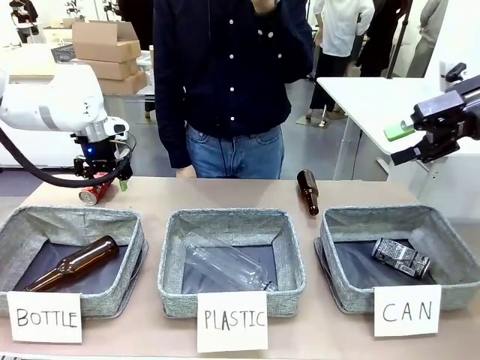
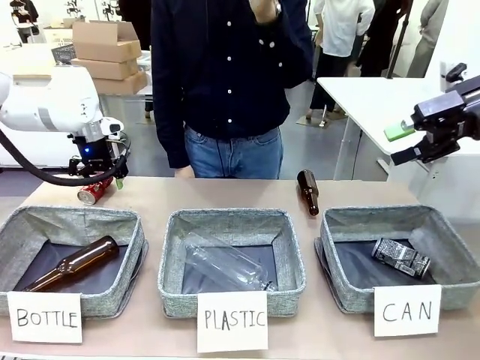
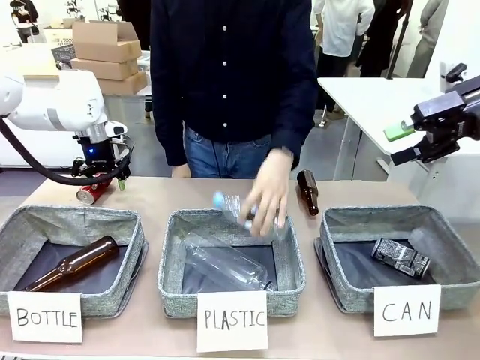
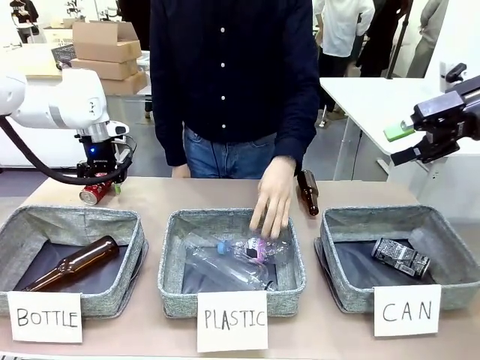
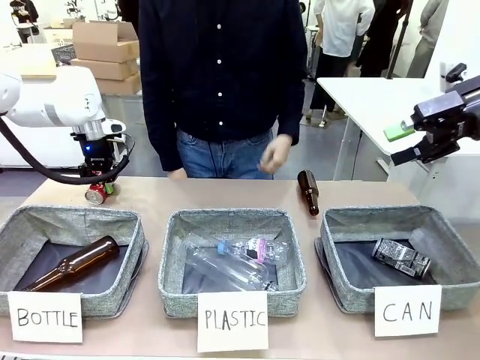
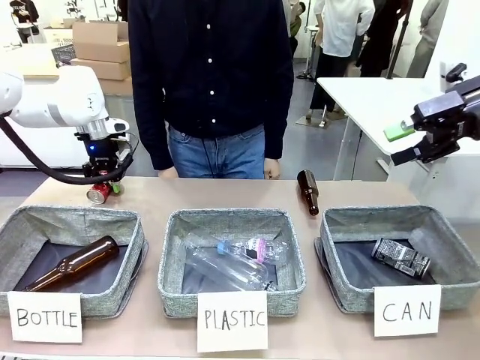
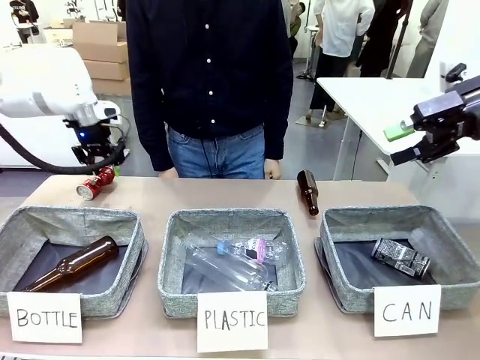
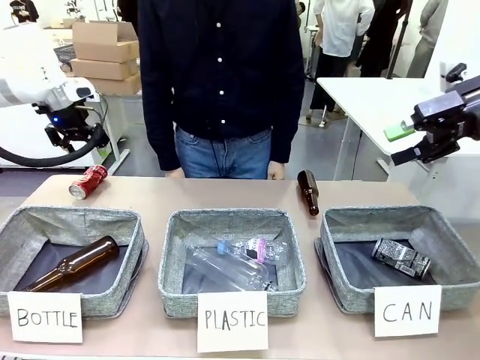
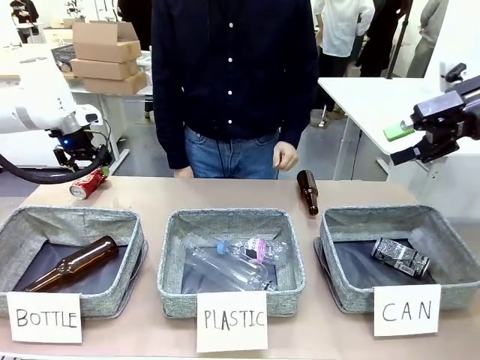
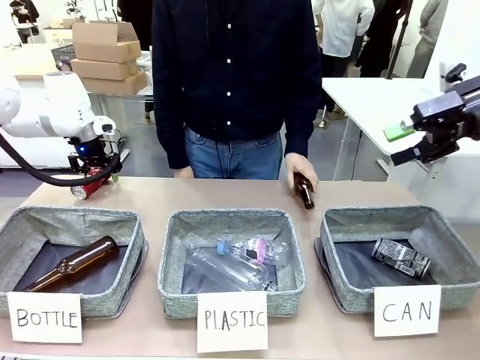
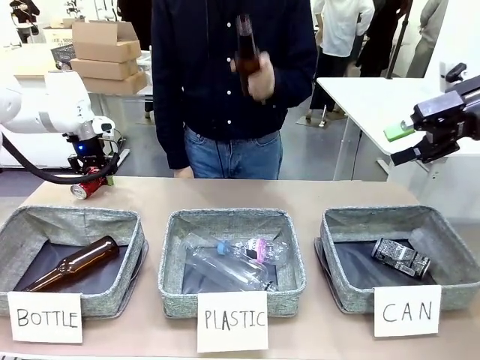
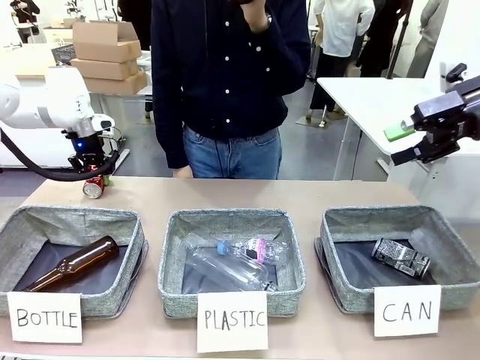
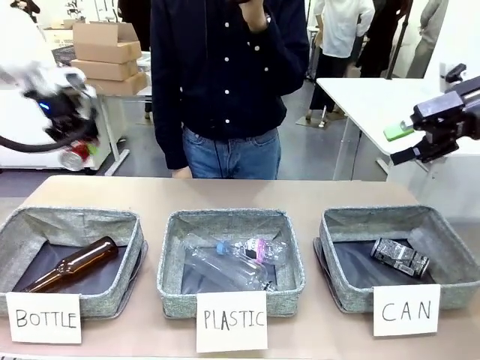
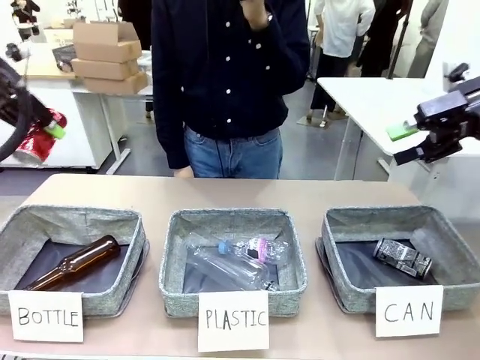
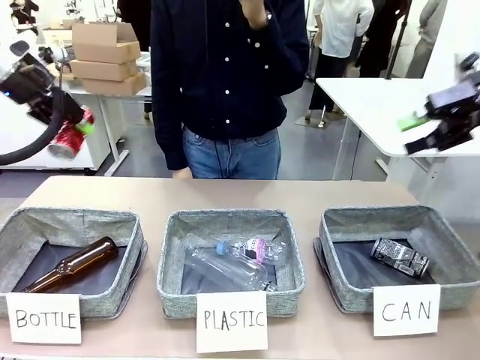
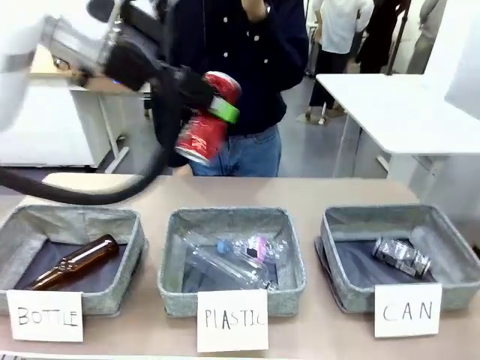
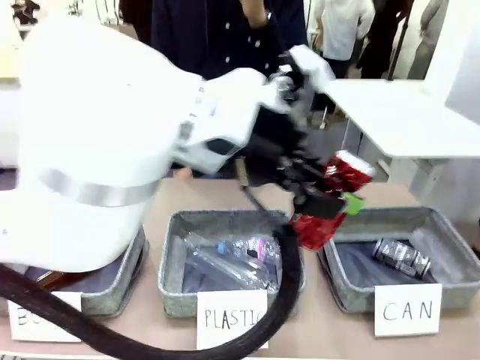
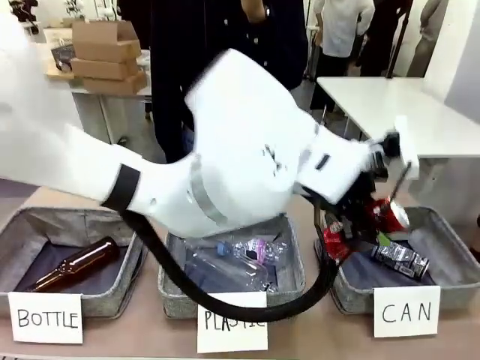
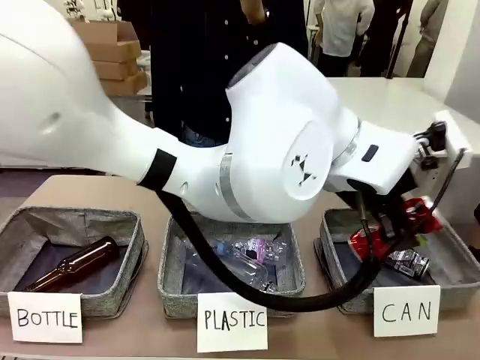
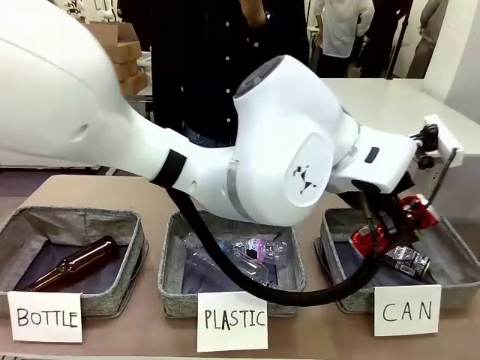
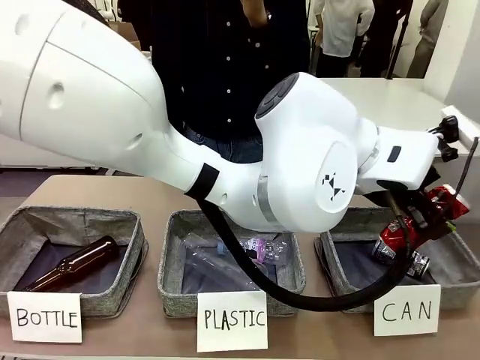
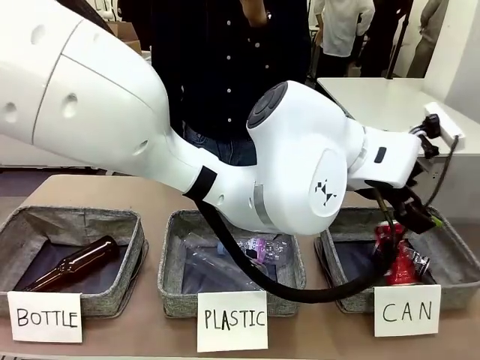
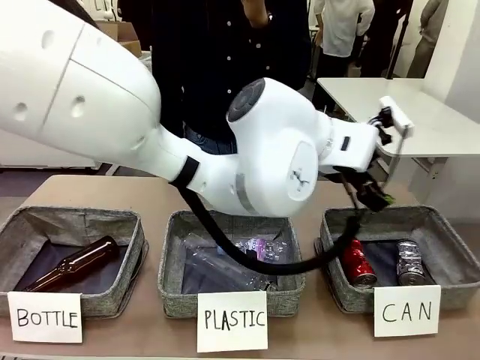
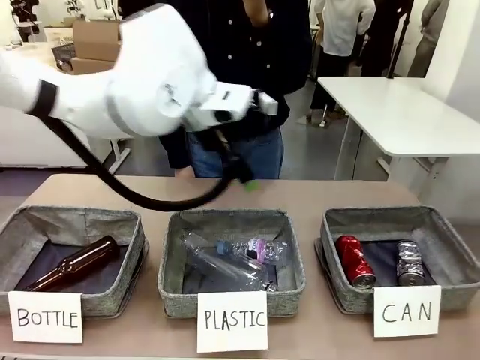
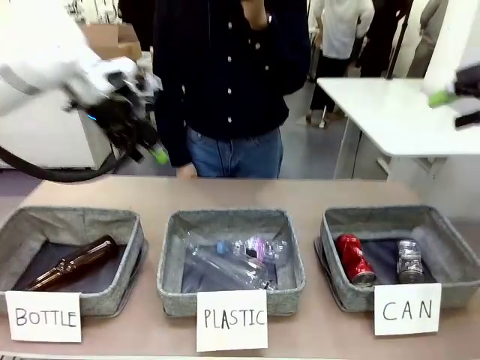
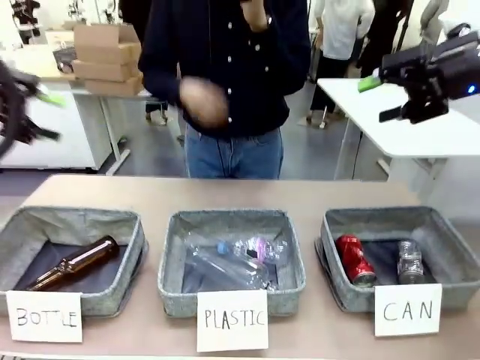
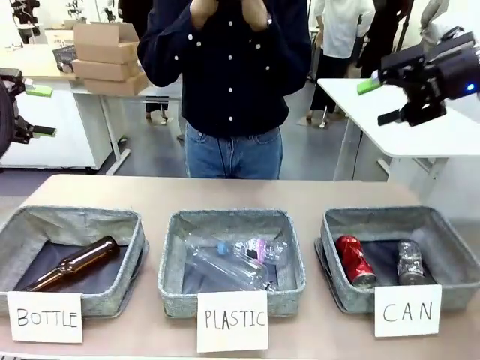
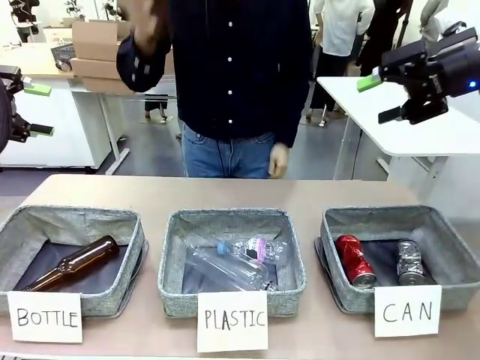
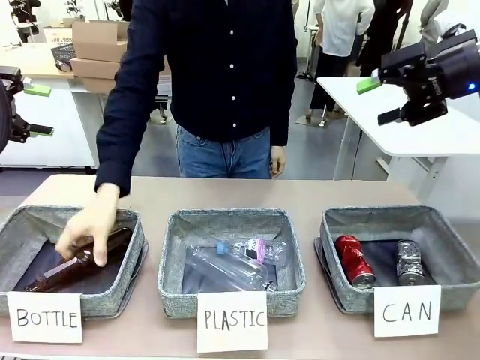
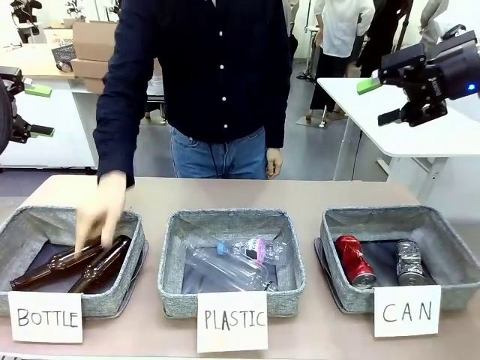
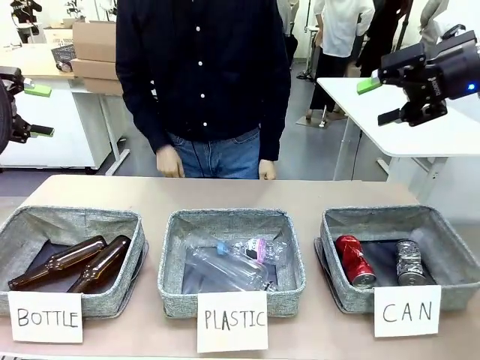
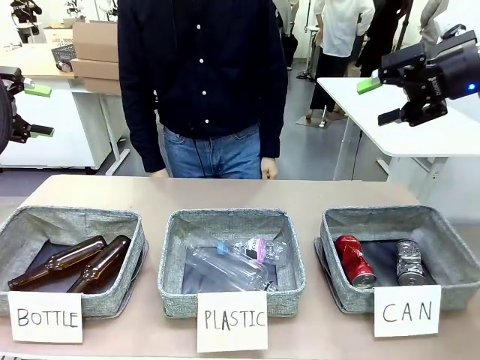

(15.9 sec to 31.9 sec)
Task: Sort the can waste into the basket.
Robot: Pick up the can waste from the table and place it in the right Fabric basket.
Person: The human picks up one piece of trash that is not a can and places the trash into the appropriate organizing basket.

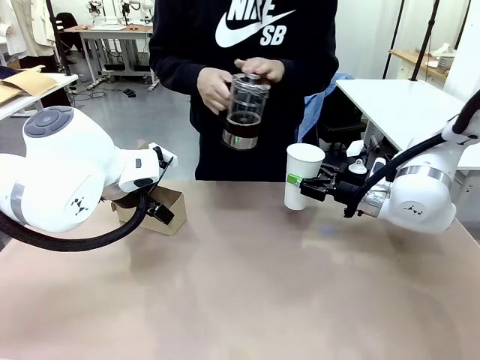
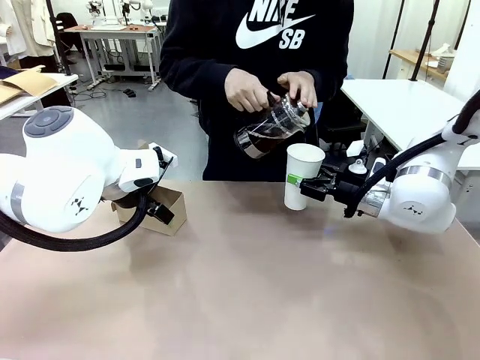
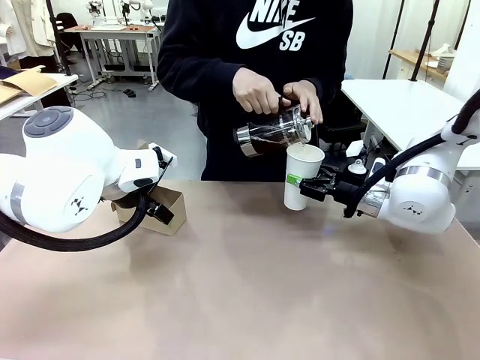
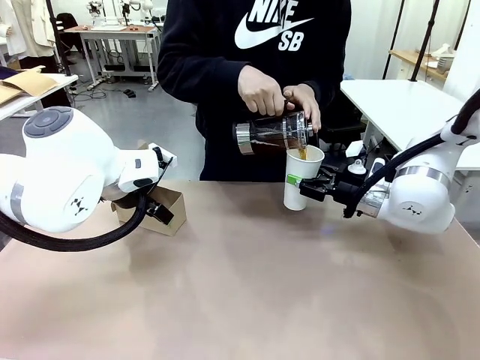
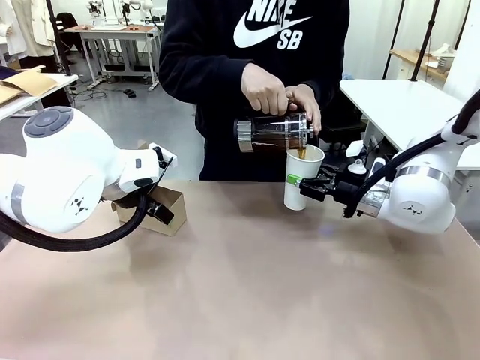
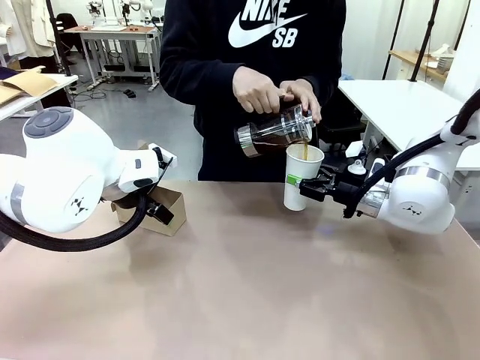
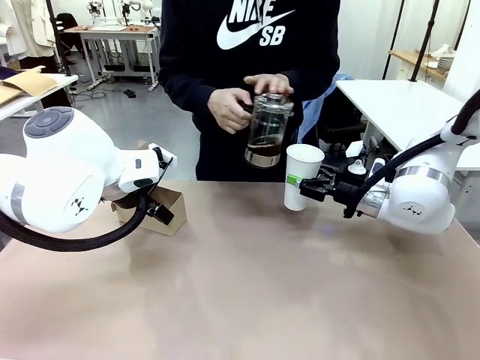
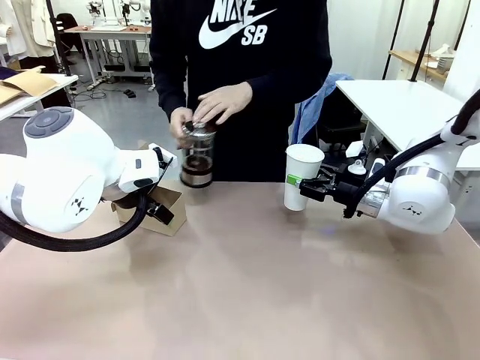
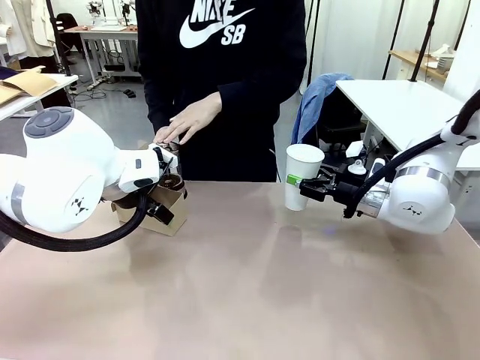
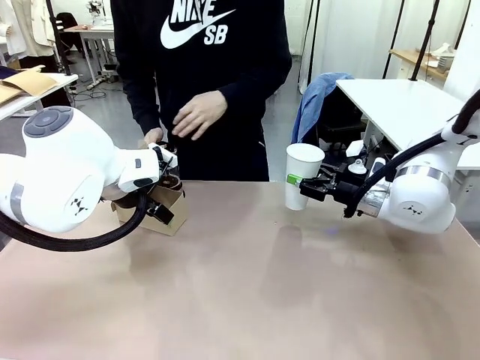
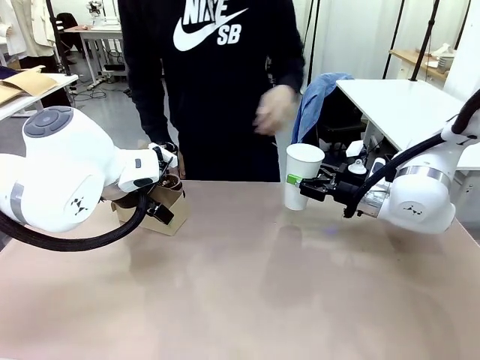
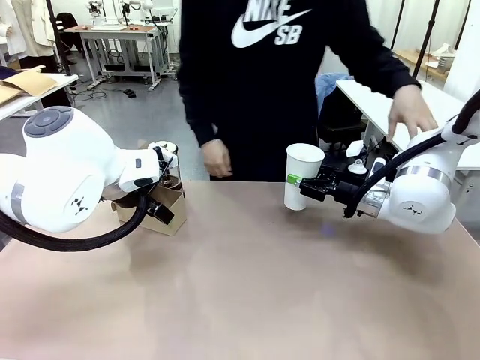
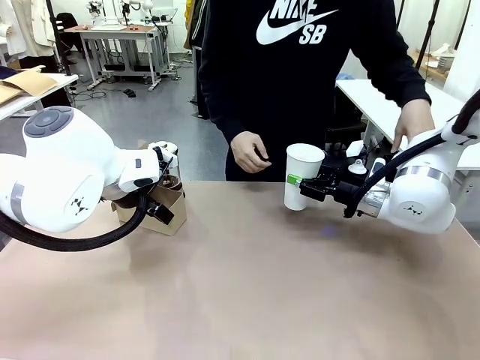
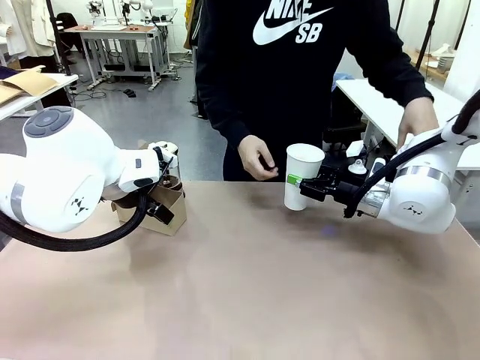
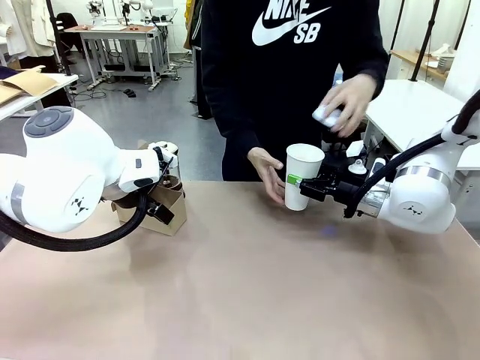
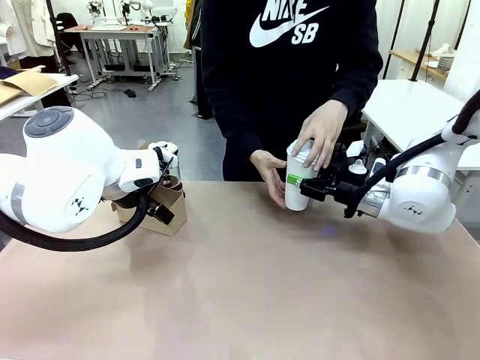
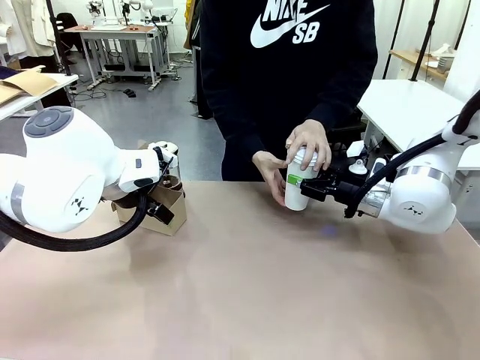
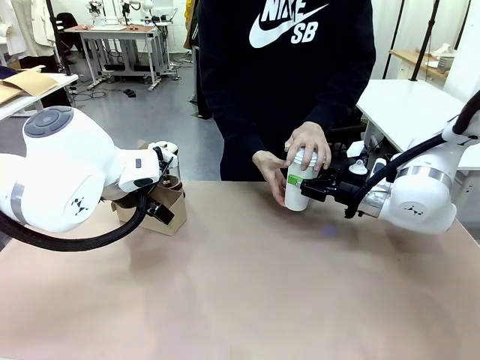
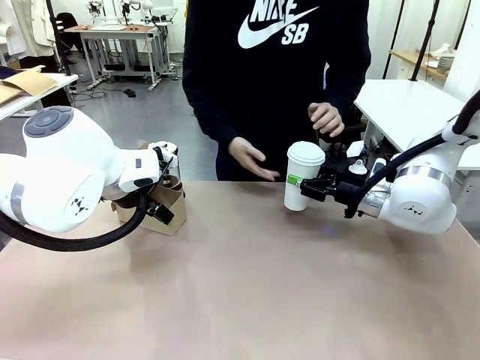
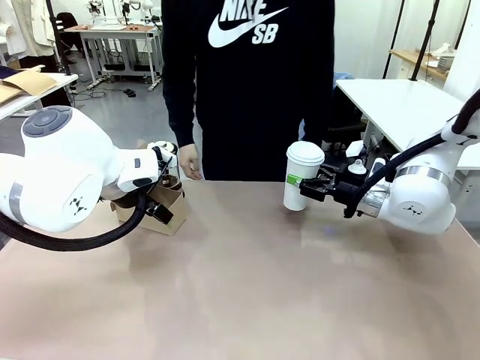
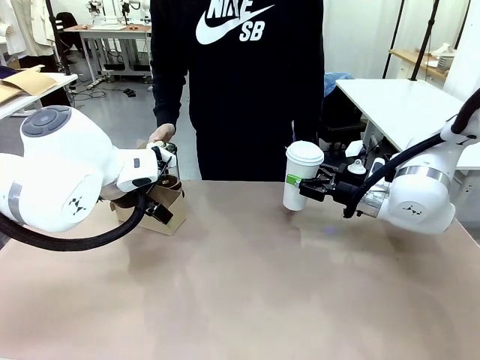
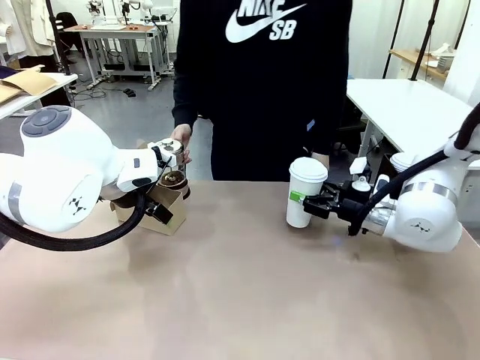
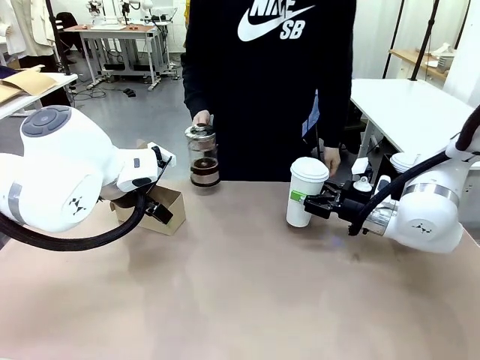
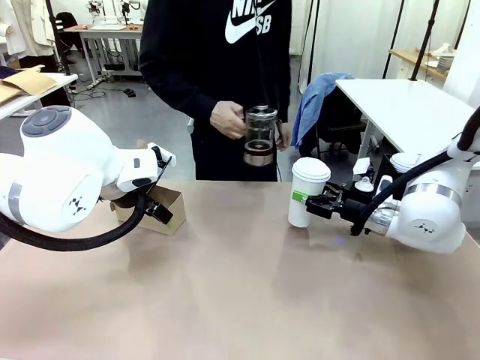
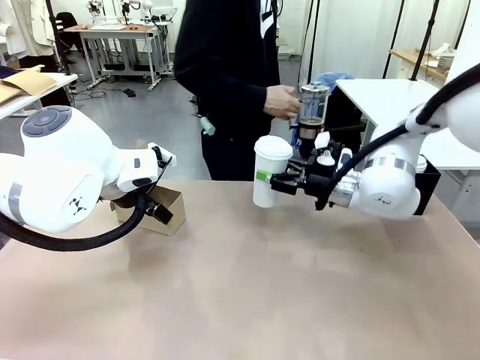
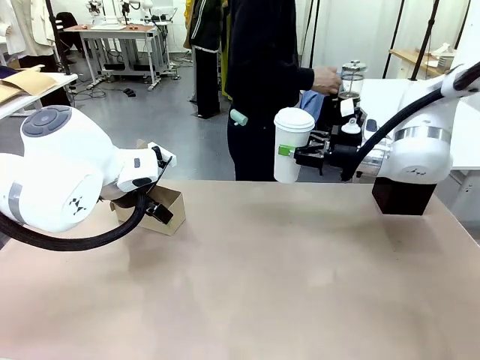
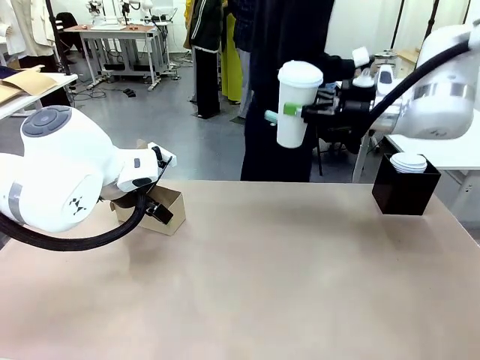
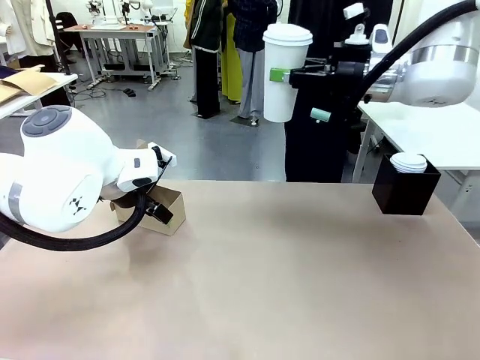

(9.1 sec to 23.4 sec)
Task: Pour a drink into a cup and package it in a carrier.
Robot: When a person places the Paper Cup Lid on the 600 ml Paper Cup , lift the 600 ml Paper Cup.
Person: Pour the drink from the Filter Brewing into the 600 ml Paper Cup. Place a Paper Cup Lid on the 600 ml Paper Cup.
